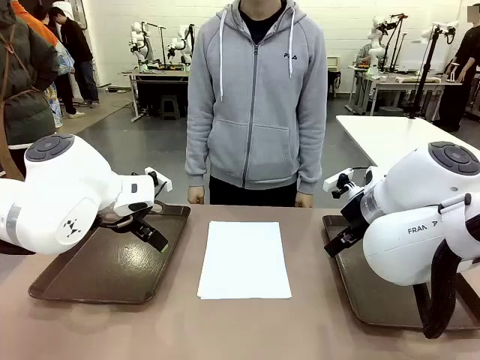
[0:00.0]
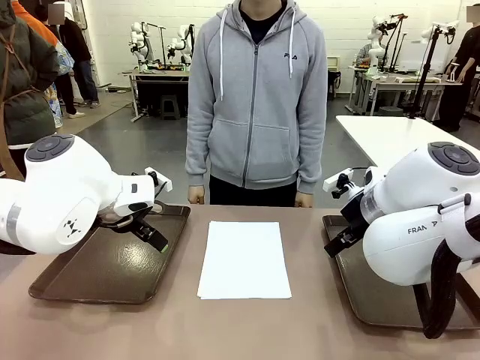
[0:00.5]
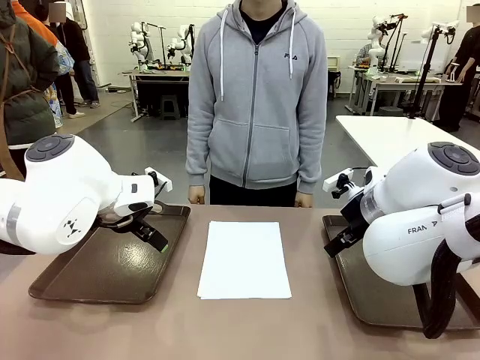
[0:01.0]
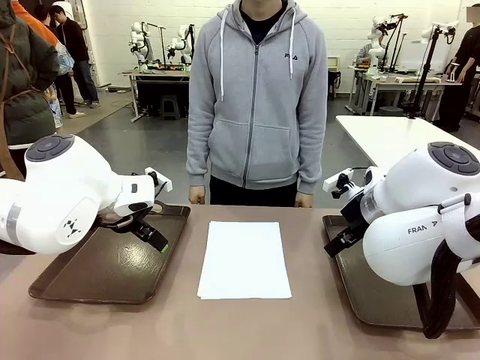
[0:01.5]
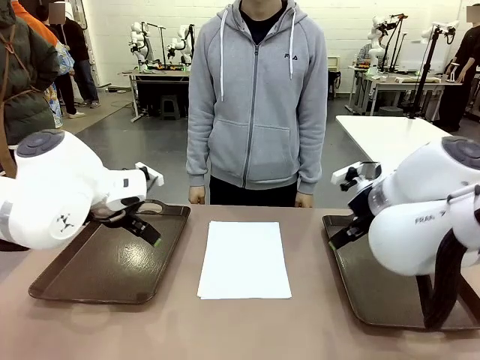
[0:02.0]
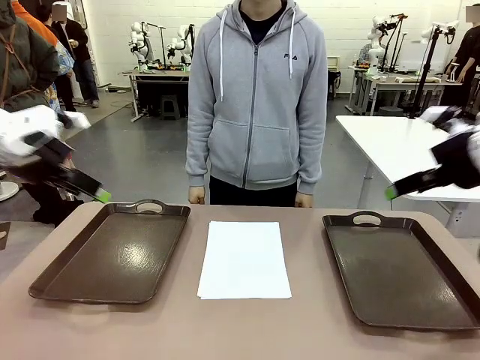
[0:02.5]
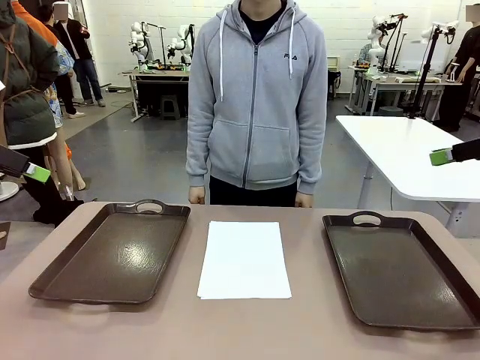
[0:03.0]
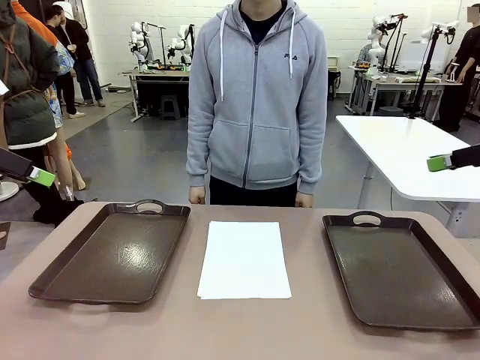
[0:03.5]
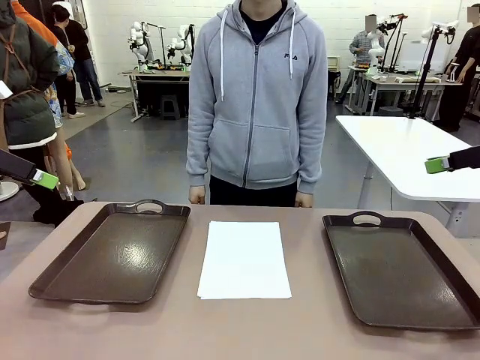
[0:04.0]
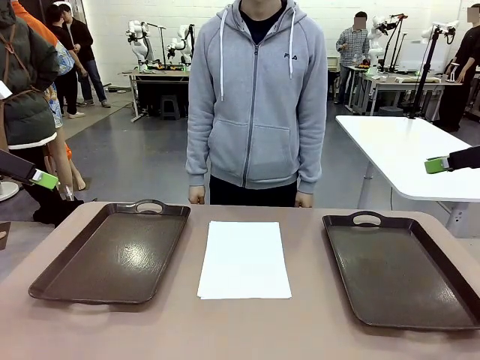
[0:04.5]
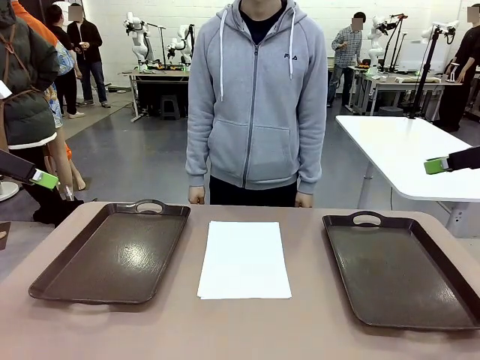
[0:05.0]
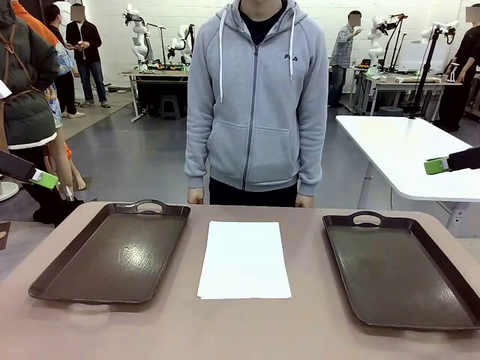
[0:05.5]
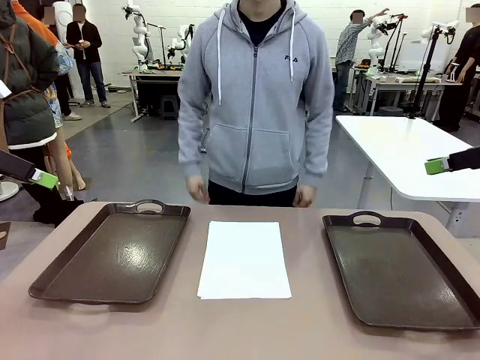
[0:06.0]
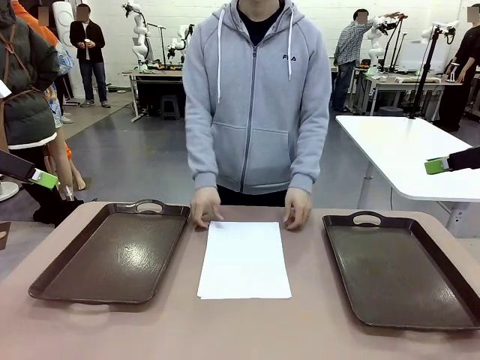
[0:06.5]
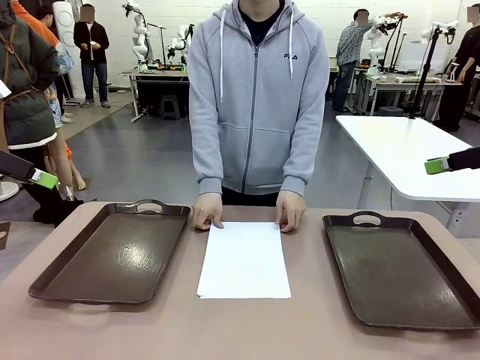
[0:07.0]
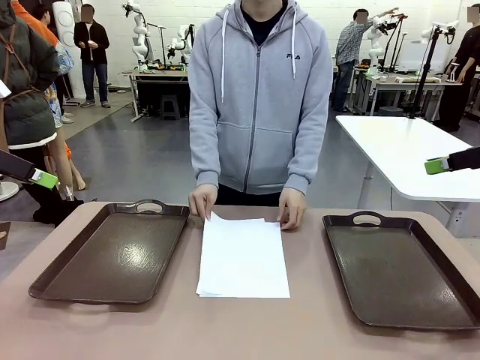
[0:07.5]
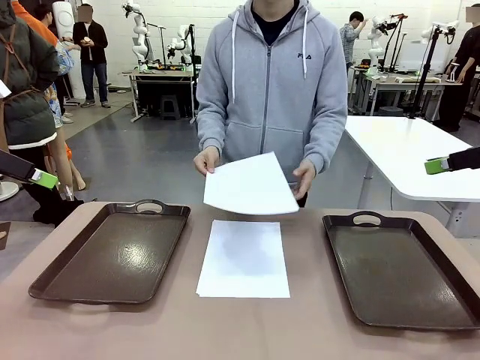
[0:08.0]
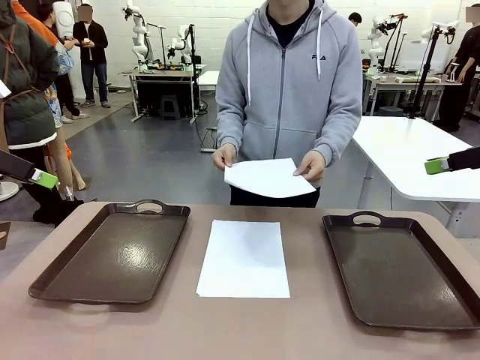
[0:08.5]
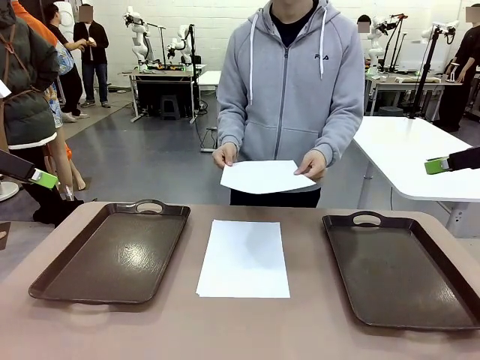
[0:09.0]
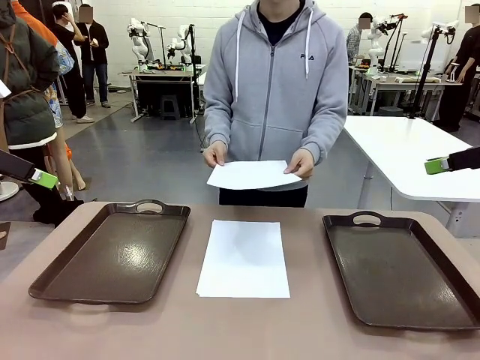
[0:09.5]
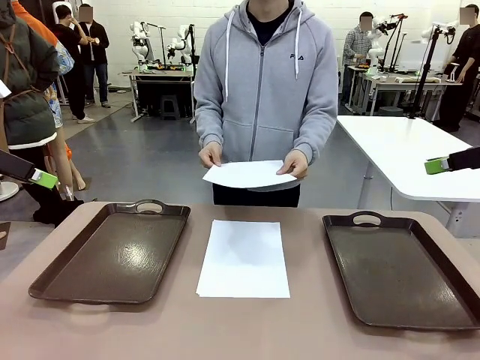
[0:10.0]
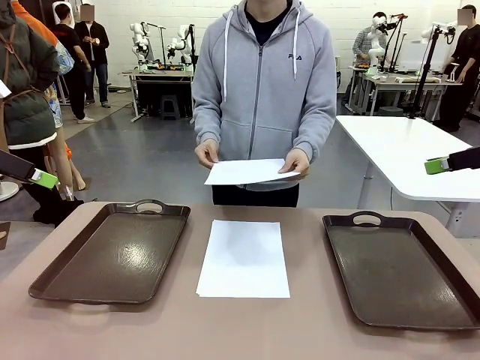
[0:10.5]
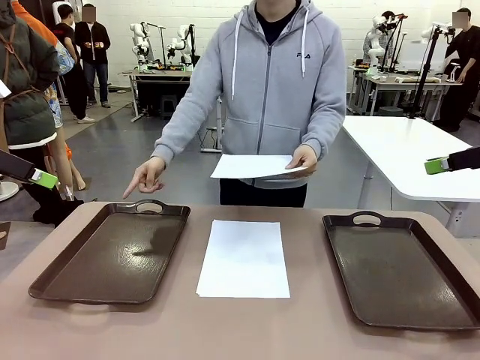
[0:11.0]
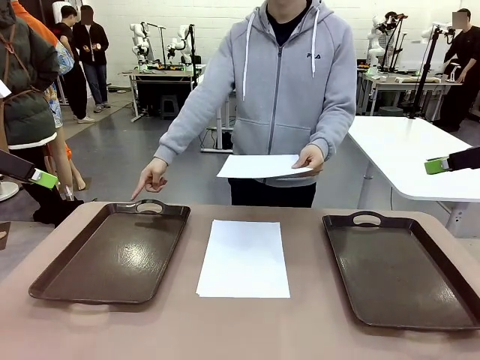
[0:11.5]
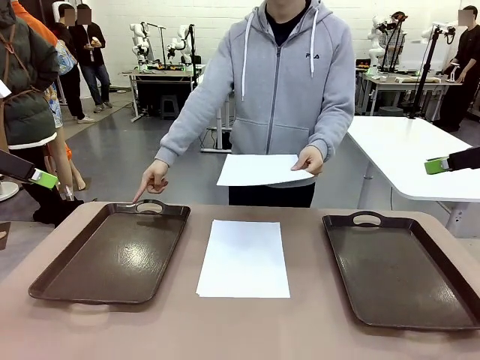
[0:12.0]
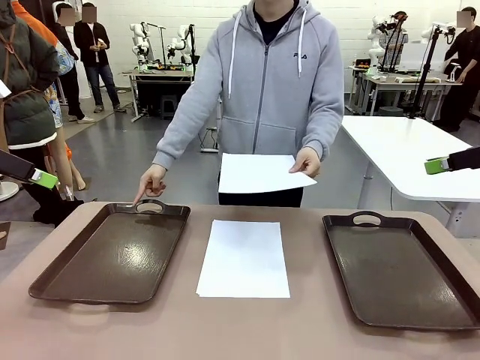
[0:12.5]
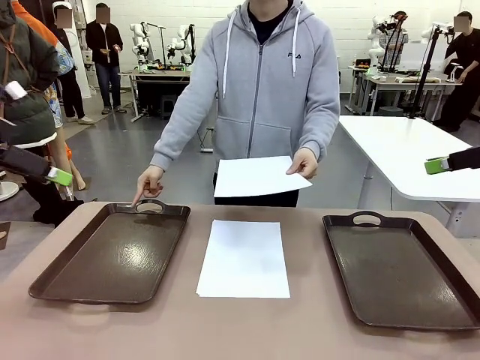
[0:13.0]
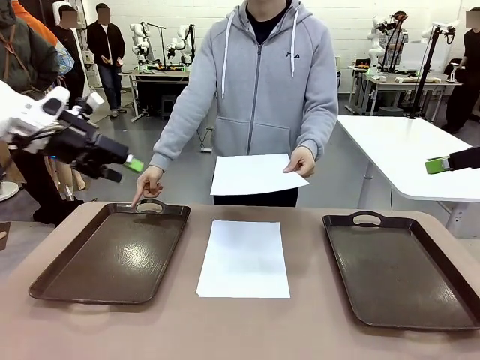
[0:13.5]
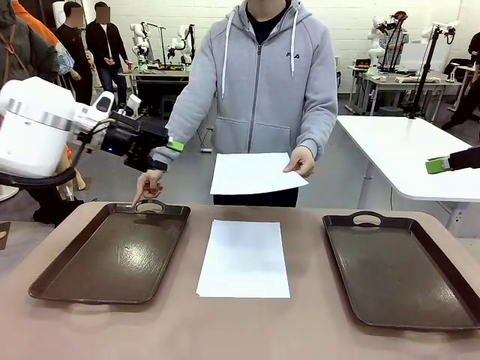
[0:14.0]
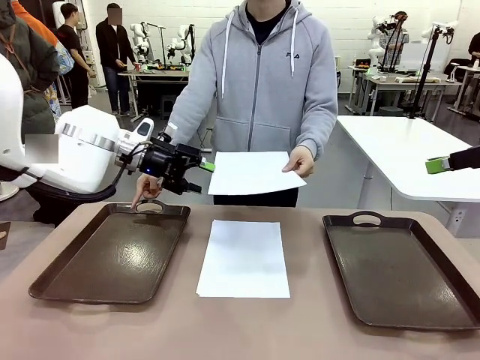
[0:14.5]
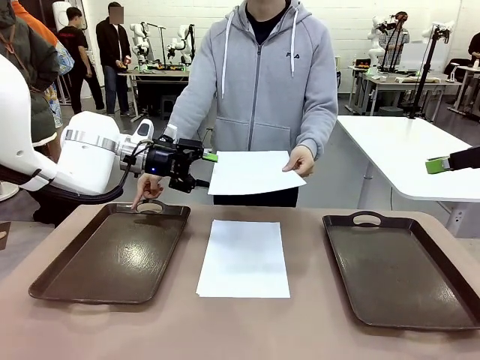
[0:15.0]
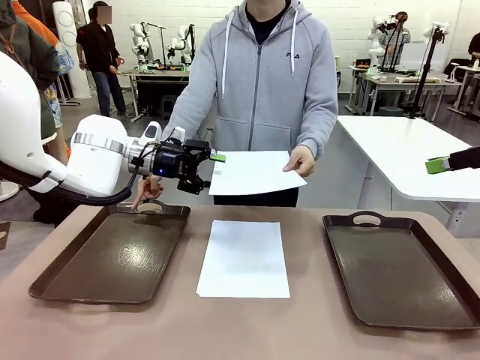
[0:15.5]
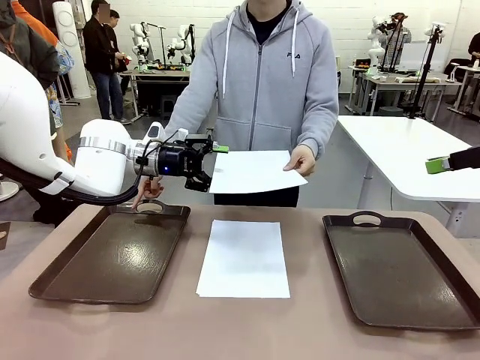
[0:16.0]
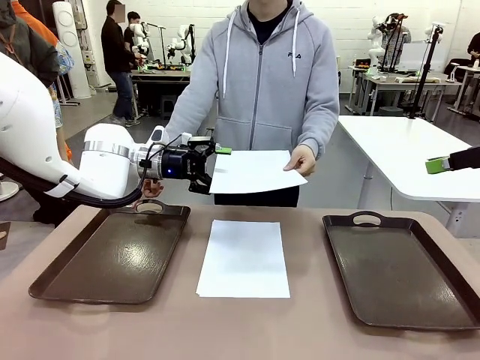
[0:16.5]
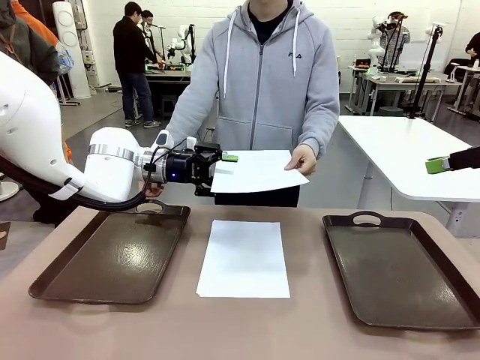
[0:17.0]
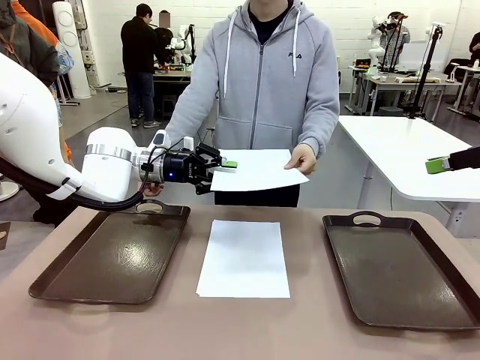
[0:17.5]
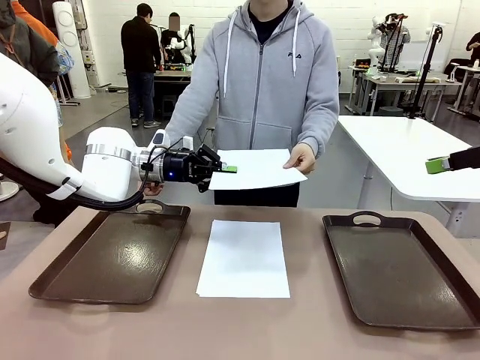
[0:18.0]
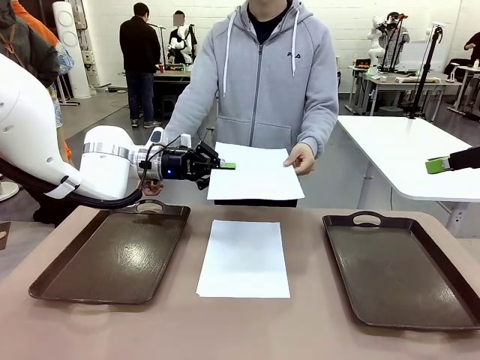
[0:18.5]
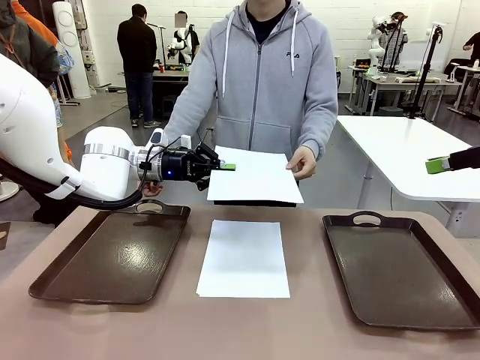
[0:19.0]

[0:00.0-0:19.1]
Task: Sort the A4 documents.
Robot: Receive the A4 Paper.
Person: Pick up a sheet of paper from the center of the table and hand it to the robot. Point the randomly selected tray with the other hand.

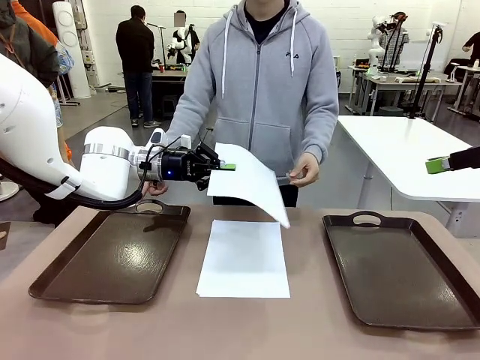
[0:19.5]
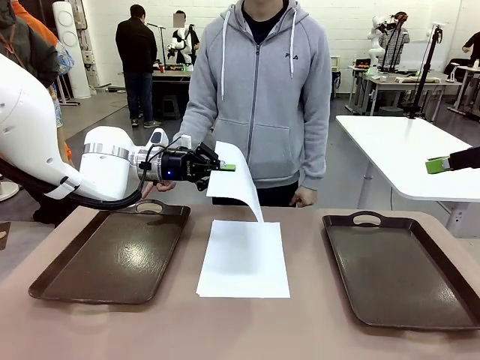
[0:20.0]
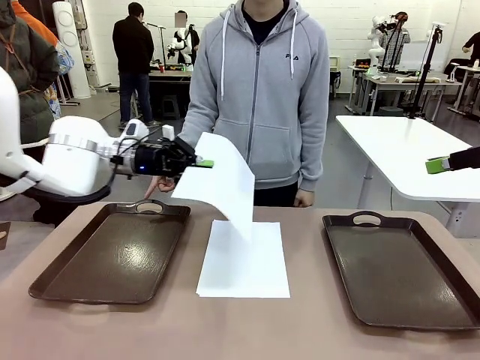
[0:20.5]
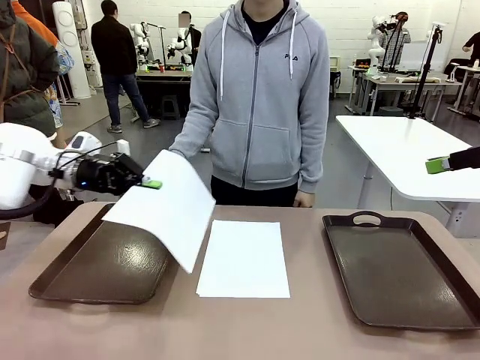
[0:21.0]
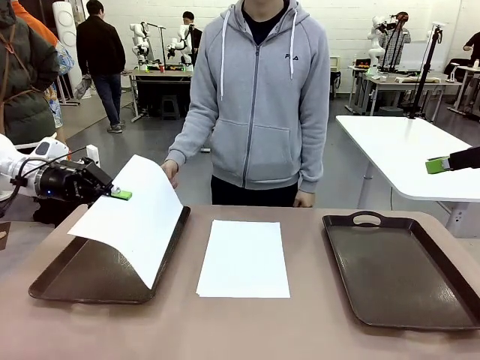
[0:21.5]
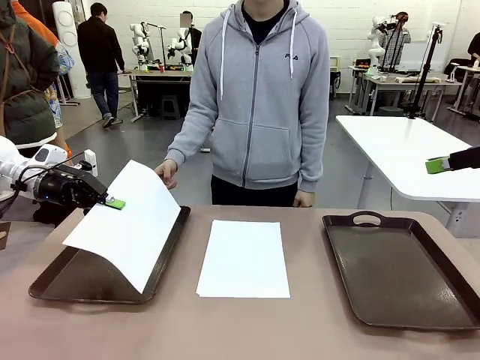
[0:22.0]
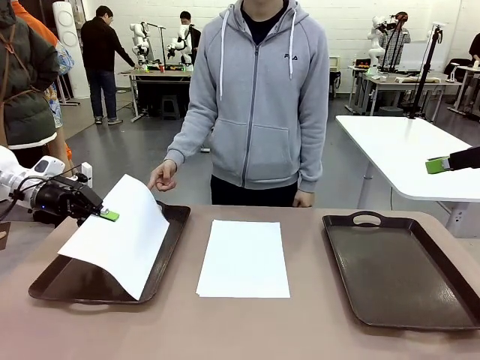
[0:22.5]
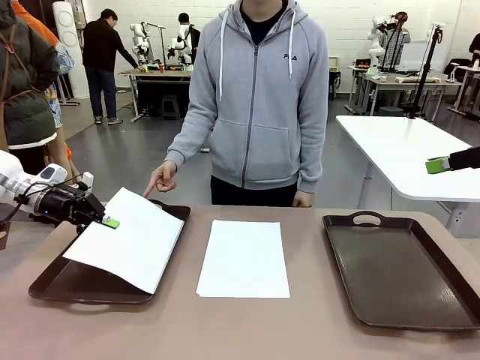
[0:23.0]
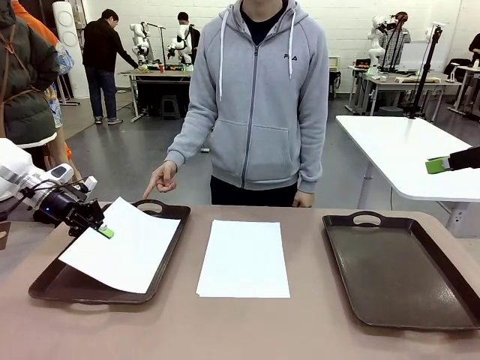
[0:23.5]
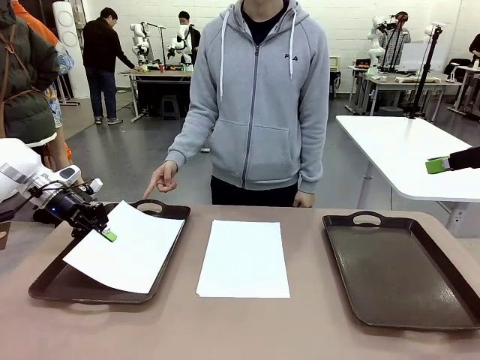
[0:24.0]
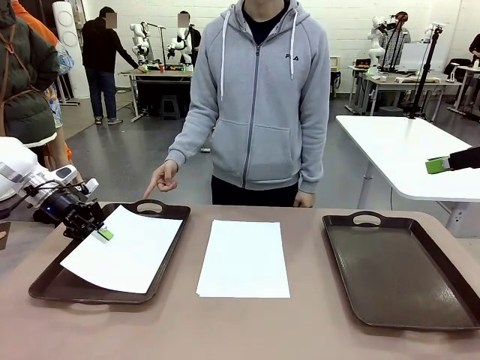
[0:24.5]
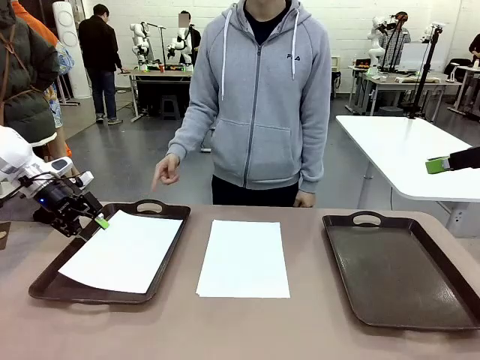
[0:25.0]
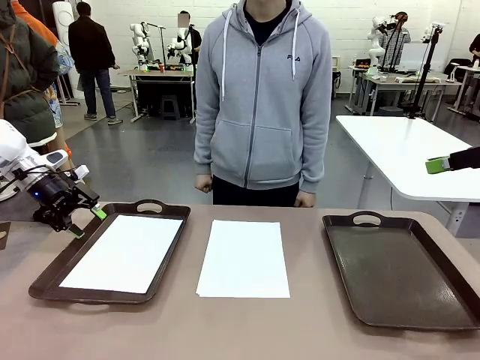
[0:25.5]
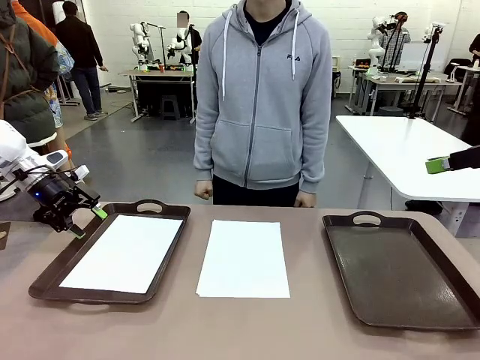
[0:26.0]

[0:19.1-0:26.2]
Robot: Place the A4 Paper in the designated Handle tray.
